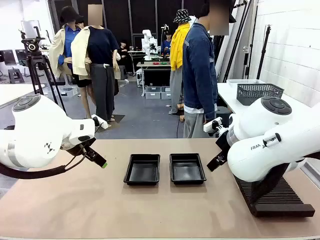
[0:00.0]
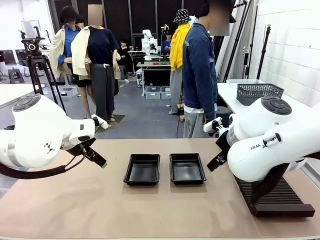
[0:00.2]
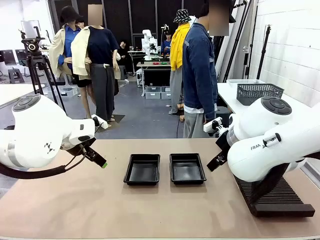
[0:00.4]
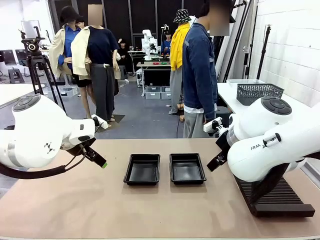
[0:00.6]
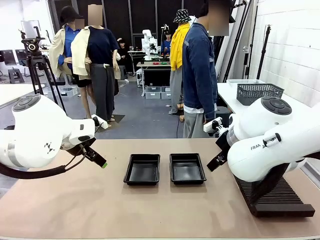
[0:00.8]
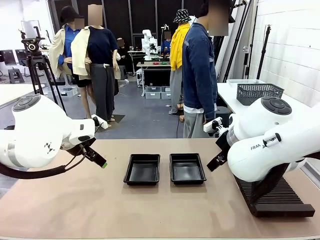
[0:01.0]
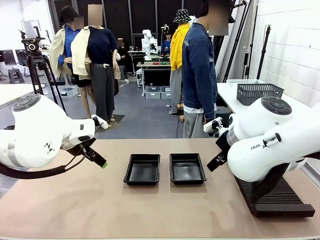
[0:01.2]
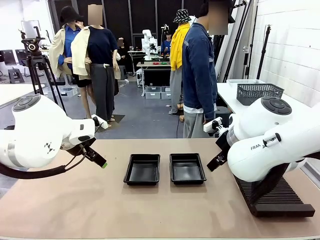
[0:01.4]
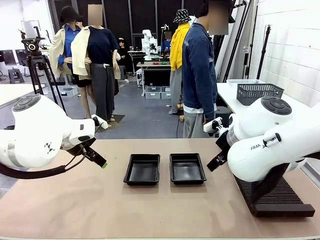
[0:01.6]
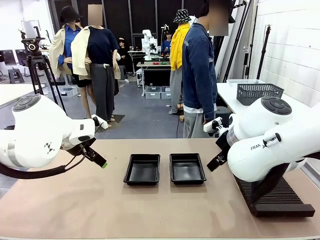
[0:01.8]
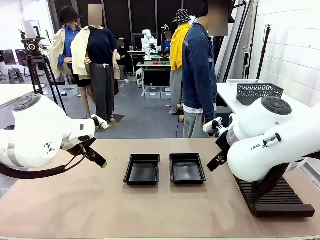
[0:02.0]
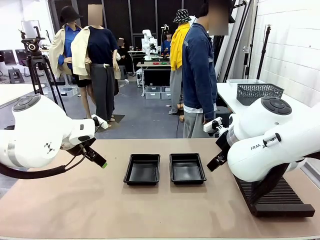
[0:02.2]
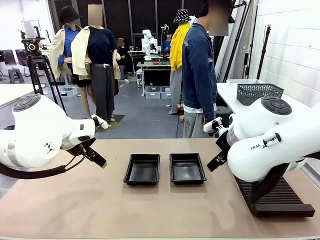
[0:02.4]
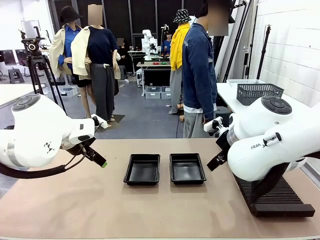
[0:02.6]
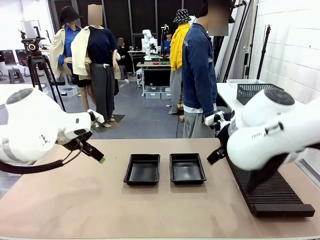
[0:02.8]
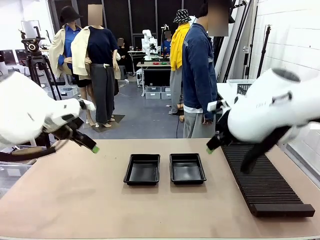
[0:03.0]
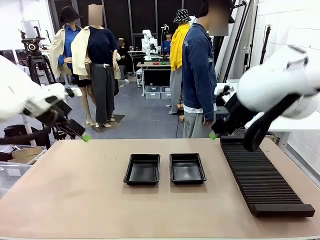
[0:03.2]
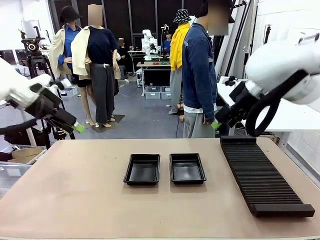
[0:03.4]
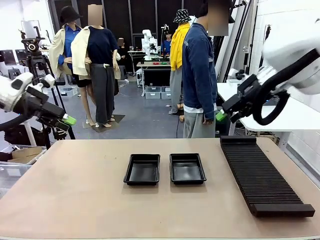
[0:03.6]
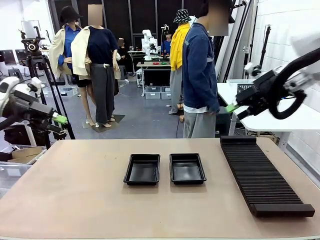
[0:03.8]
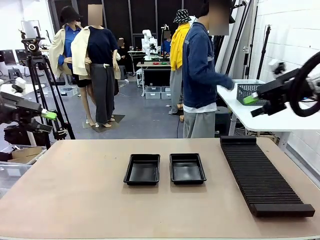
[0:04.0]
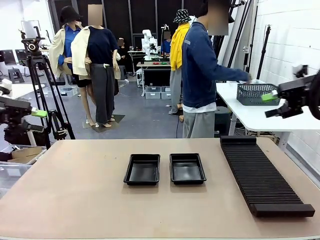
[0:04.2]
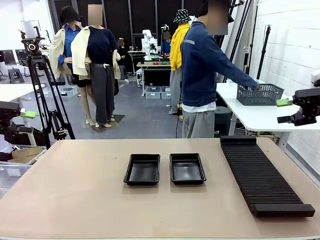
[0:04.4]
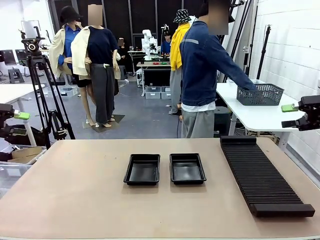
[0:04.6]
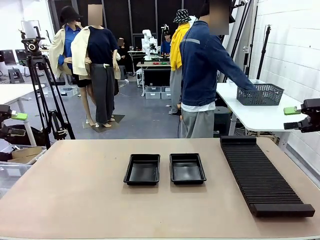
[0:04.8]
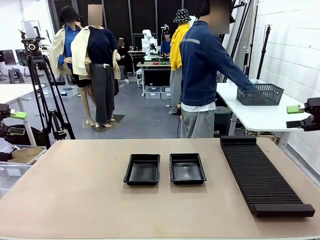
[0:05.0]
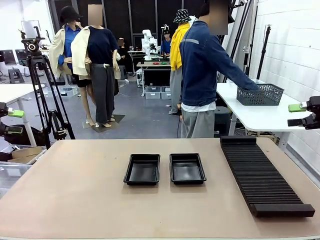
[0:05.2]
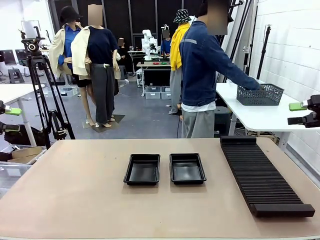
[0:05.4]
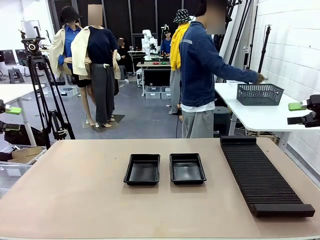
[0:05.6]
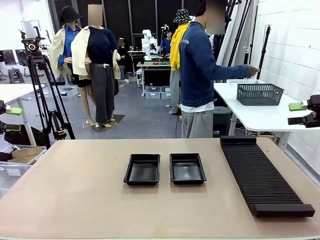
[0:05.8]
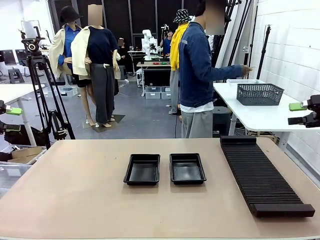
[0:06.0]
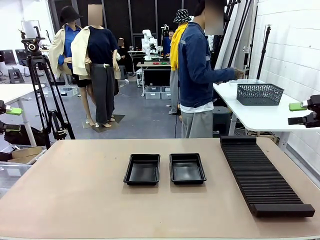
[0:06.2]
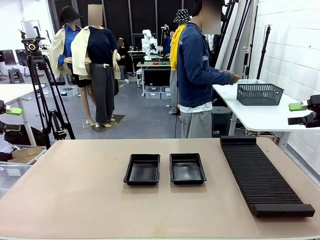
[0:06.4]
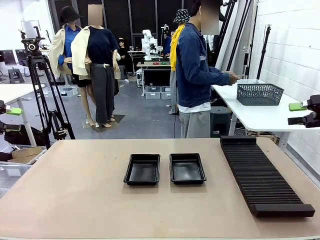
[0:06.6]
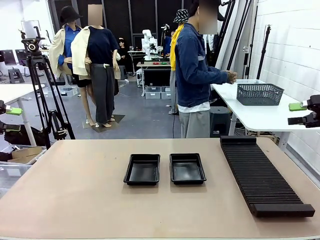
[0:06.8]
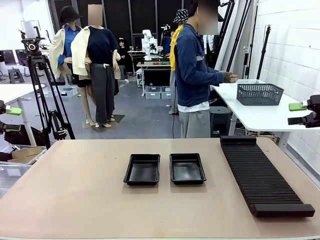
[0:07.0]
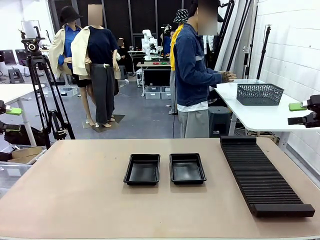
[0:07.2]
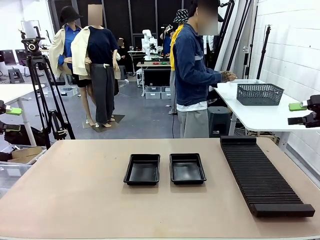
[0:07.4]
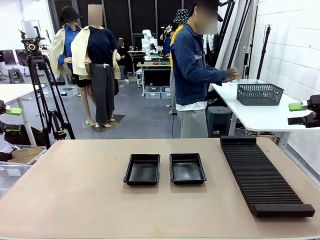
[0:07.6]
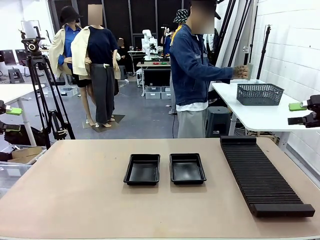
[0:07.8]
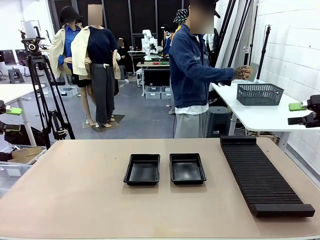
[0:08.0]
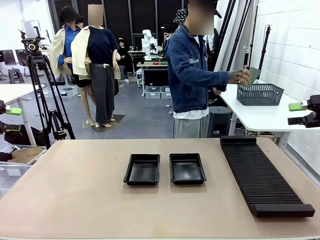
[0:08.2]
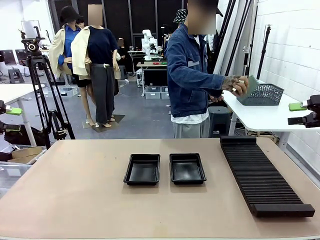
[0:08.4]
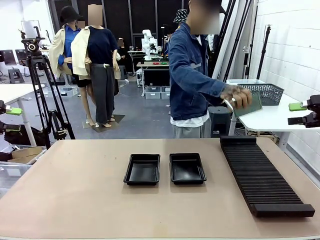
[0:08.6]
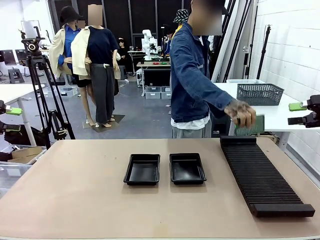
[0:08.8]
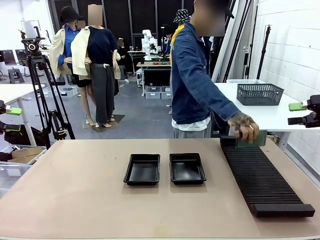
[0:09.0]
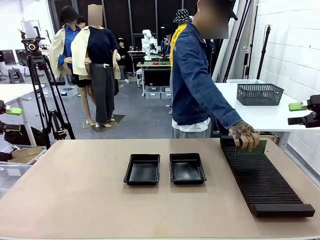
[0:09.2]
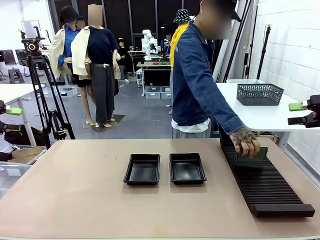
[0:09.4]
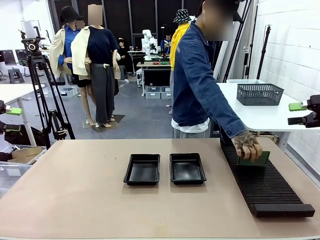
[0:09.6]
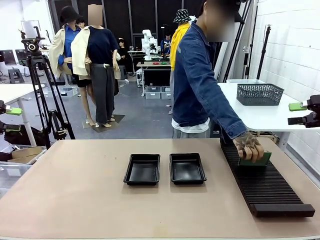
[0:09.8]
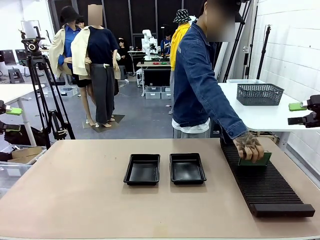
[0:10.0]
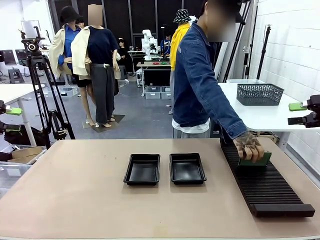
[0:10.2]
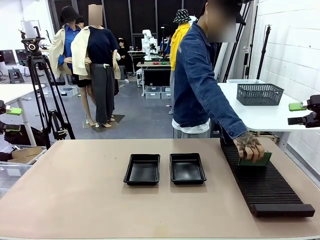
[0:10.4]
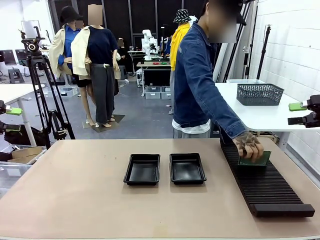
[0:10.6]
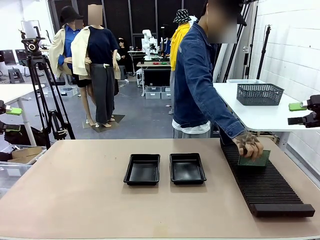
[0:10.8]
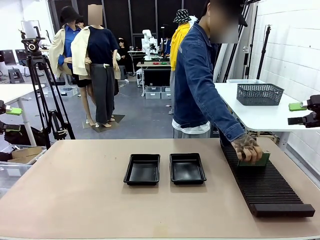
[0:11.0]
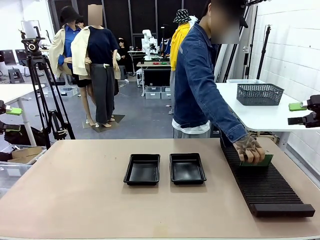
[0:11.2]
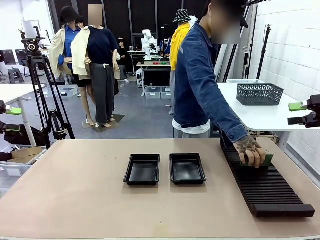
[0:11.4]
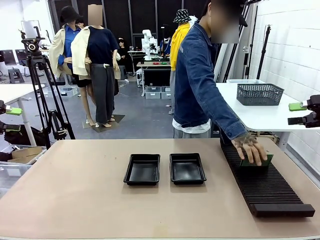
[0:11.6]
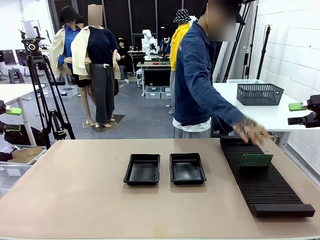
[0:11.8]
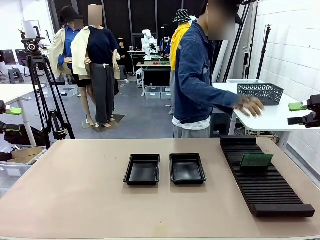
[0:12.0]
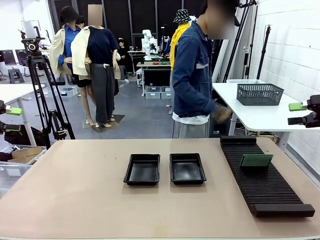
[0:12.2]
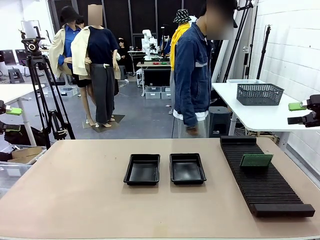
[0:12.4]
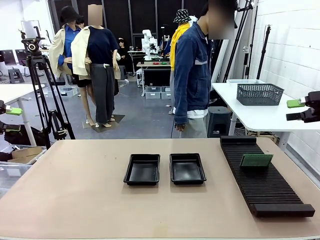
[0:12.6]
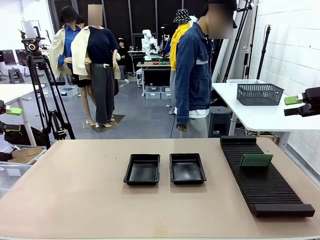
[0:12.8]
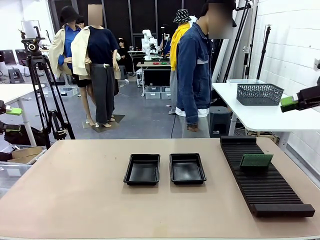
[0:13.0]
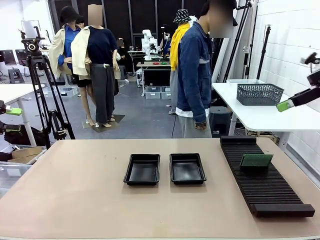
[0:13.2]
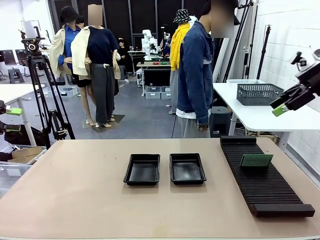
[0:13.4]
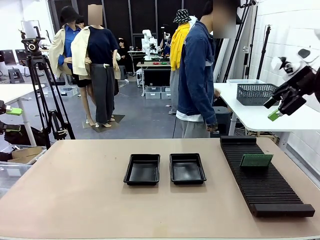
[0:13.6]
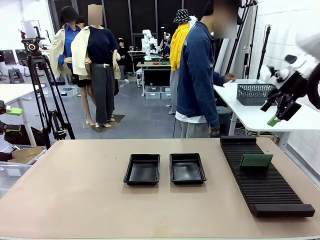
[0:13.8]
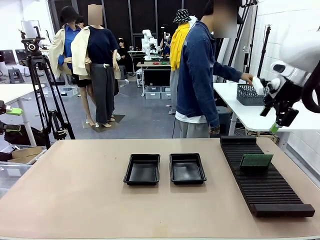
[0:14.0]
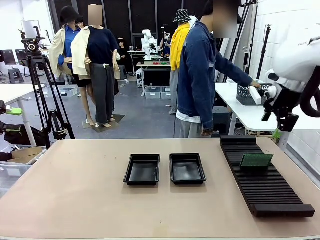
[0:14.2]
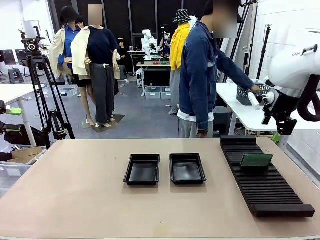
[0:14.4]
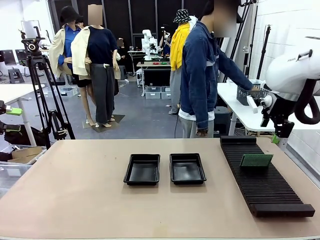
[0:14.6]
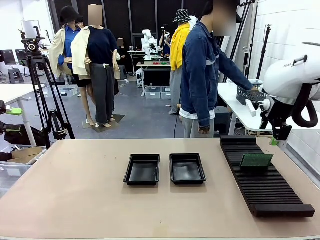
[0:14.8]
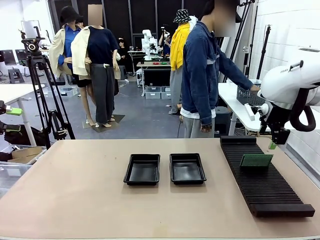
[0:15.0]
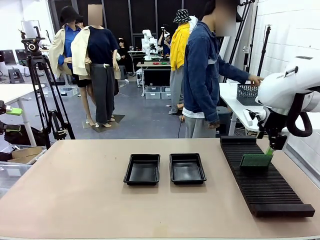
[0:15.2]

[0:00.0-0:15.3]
Task: Inspect and transfer BCBs to ESD trays.
Robot: Pick up the Blank PCB from the PCB Rack and place it in the left ESD tray.
